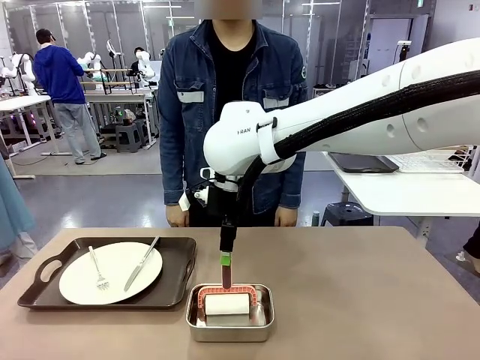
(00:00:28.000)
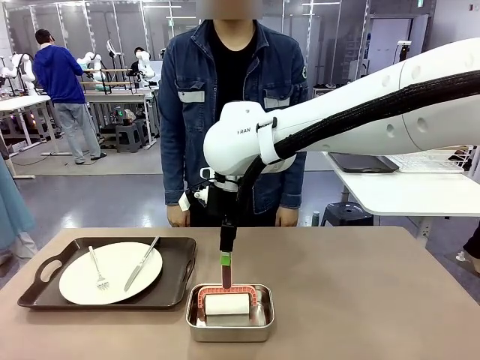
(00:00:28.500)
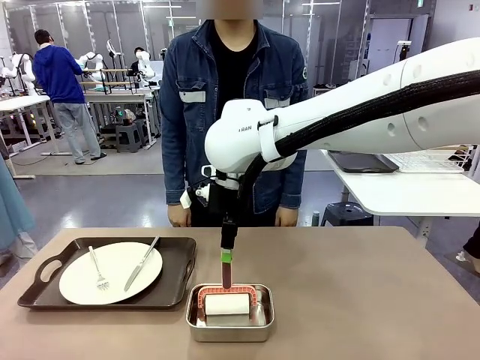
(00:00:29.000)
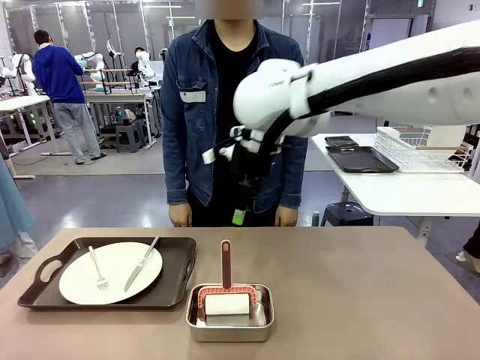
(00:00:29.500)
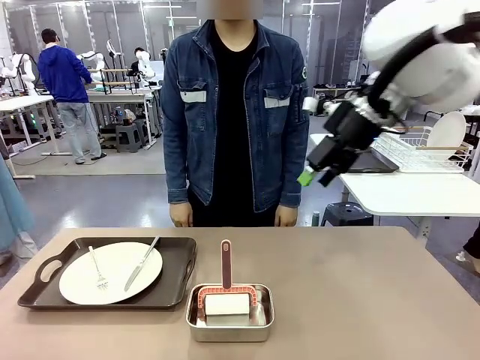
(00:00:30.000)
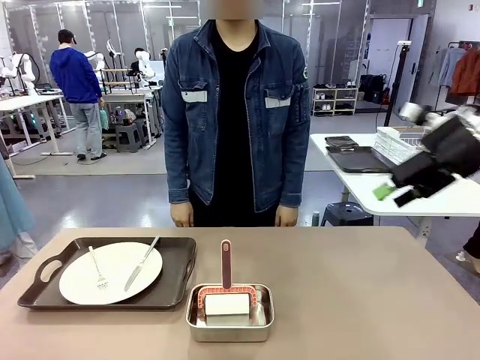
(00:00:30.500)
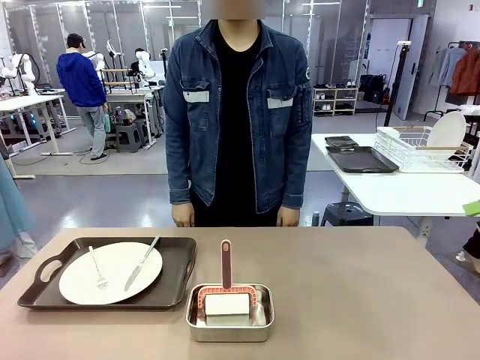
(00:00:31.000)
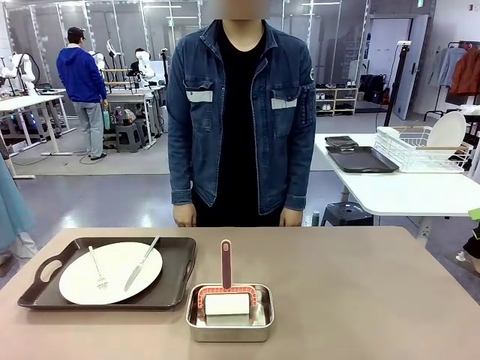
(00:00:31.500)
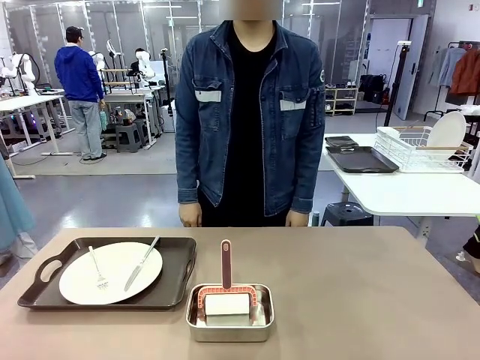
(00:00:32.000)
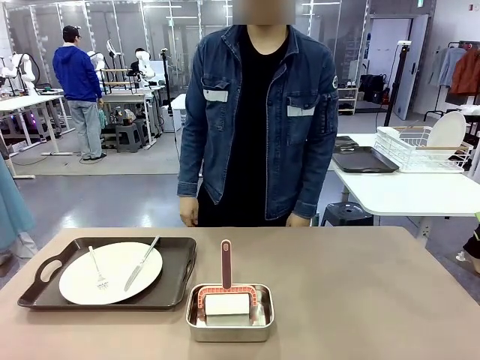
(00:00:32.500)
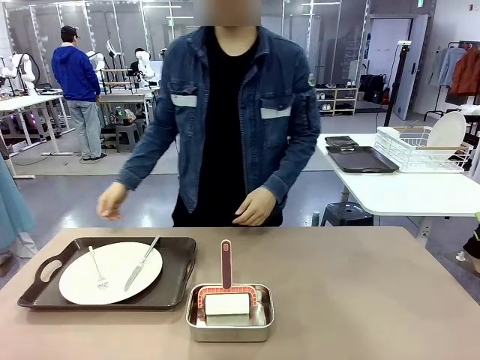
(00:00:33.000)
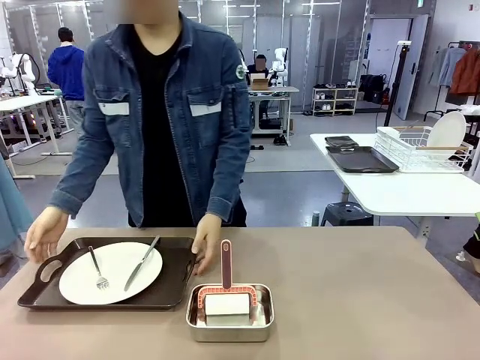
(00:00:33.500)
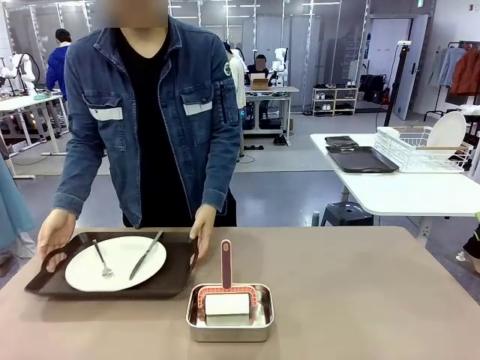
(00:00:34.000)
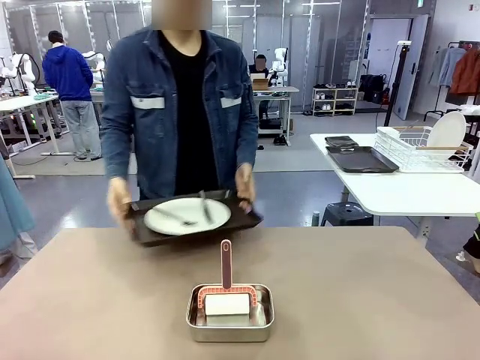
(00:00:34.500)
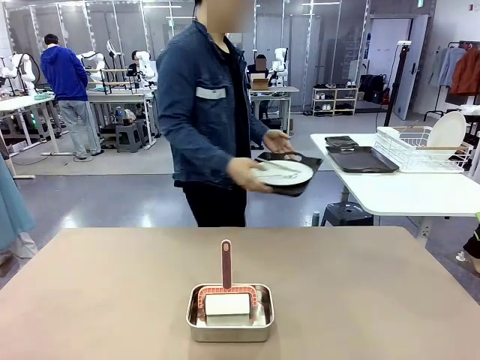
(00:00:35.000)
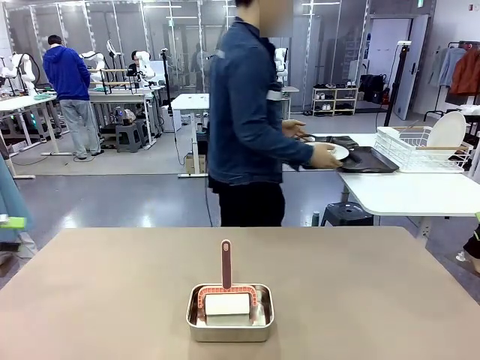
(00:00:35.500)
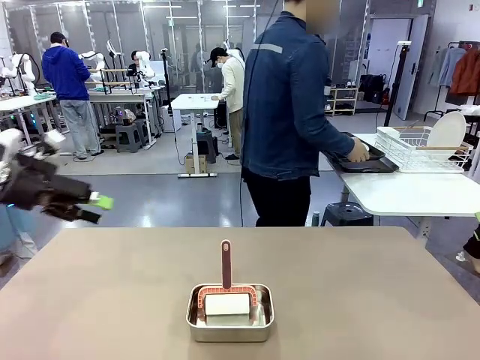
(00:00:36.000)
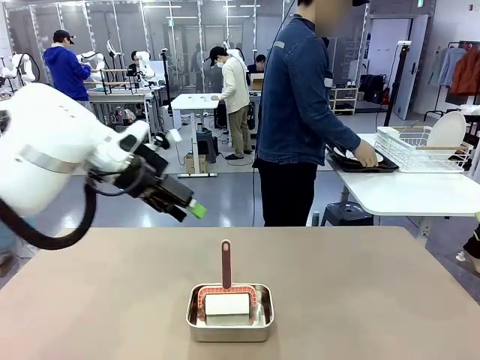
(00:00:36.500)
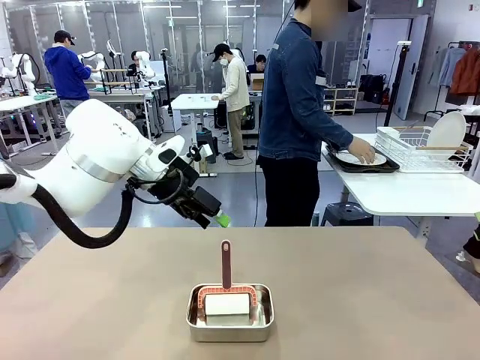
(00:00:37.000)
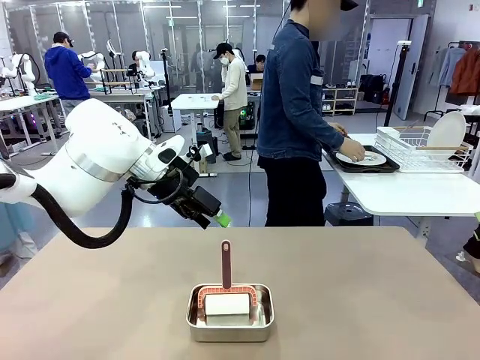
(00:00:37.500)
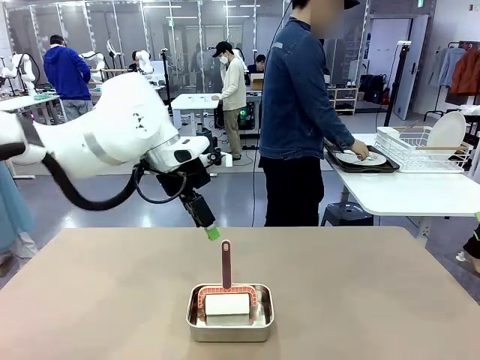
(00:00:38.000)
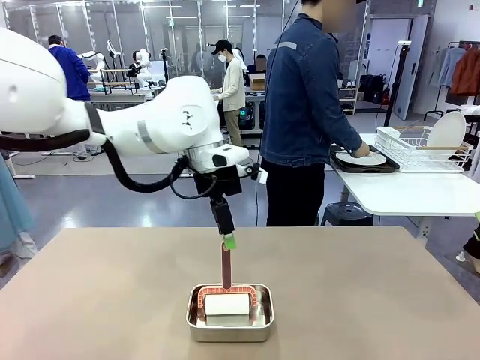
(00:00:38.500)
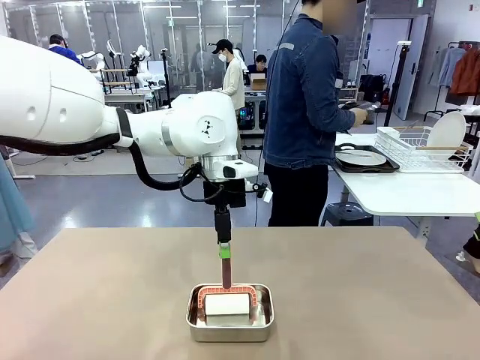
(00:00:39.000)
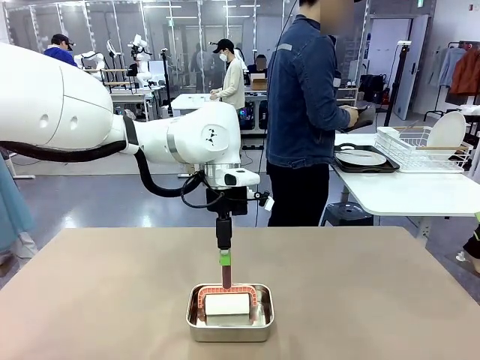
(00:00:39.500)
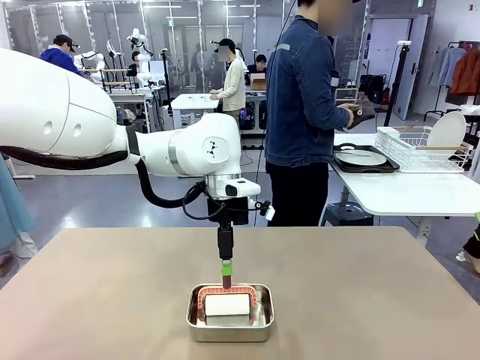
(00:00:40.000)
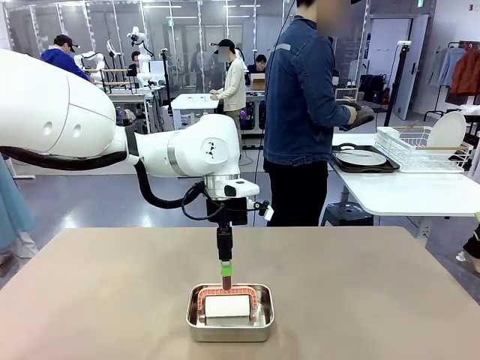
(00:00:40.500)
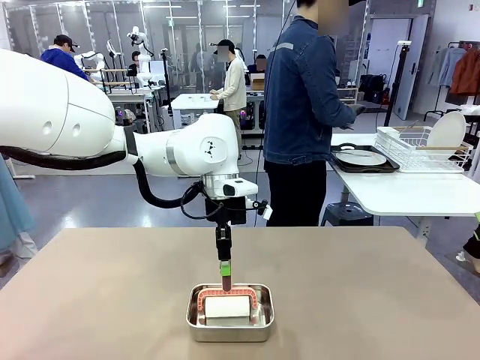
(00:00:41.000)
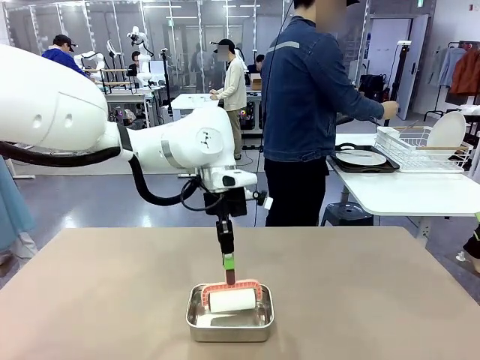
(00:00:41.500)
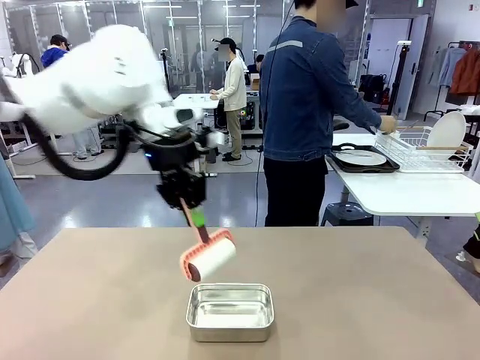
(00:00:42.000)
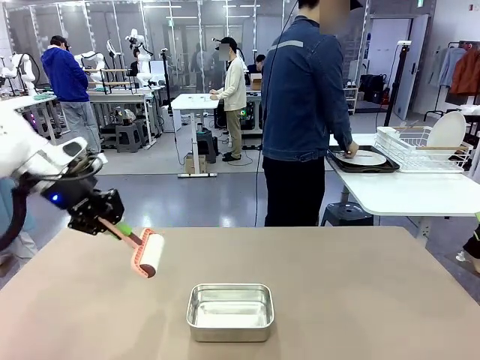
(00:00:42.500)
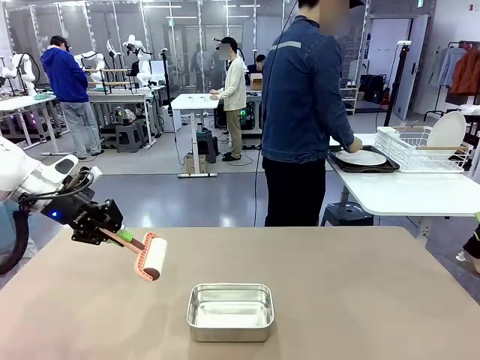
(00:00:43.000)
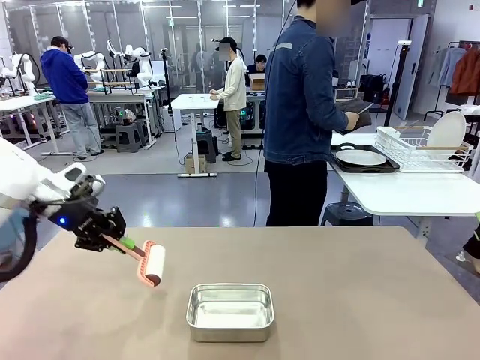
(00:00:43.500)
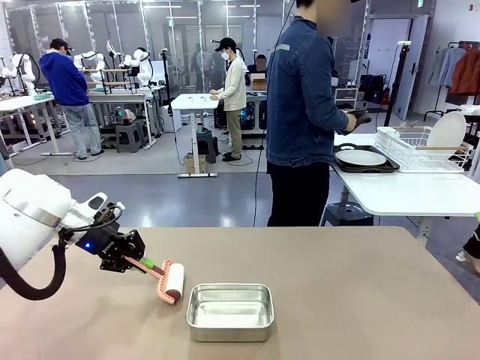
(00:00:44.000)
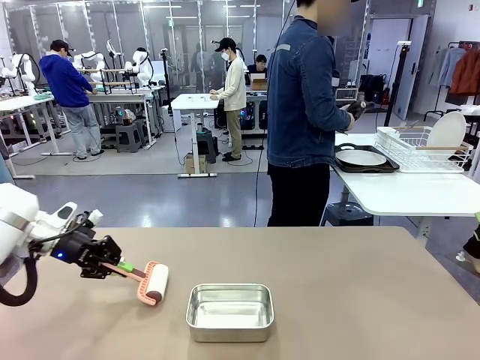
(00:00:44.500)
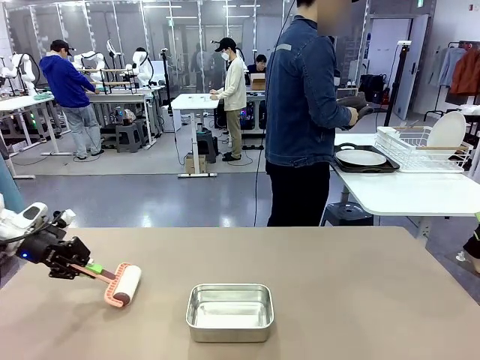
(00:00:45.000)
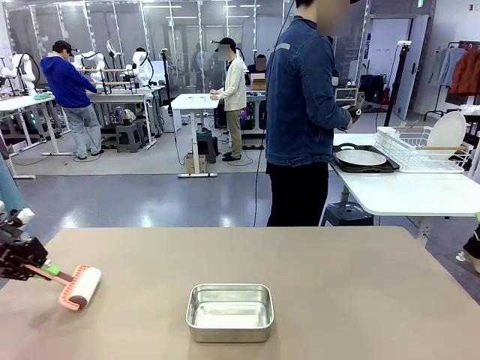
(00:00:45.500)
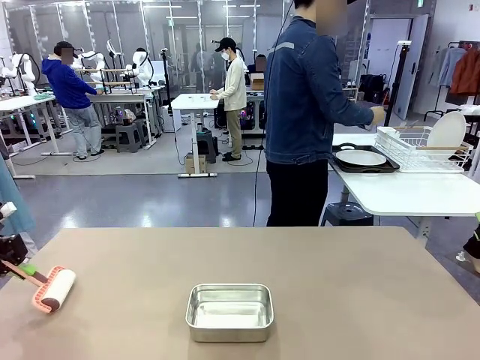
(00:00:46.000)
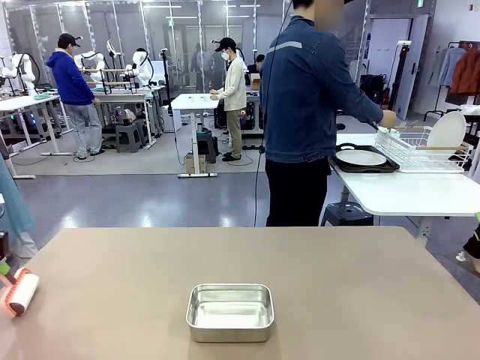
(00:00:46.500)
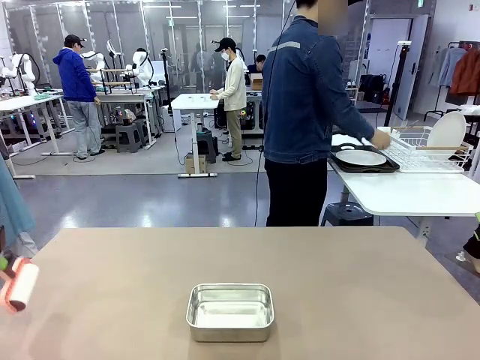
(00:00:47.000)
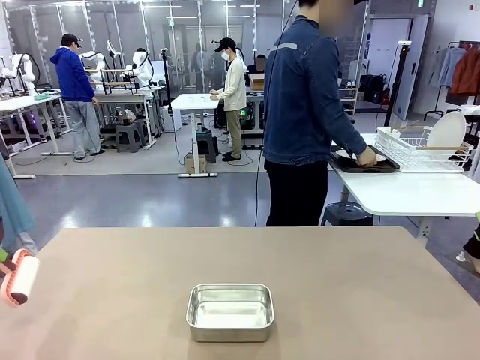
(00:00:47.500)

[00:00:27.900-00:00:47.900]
Robot: When the right (or left) Handle tray is removed, use the right hand (or left hand) to clean the right (or left) side of the table with the Lint Roller.
Person: Pick up the left (or right) Handle tray and place it on the Handle tray.
